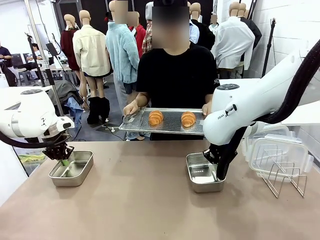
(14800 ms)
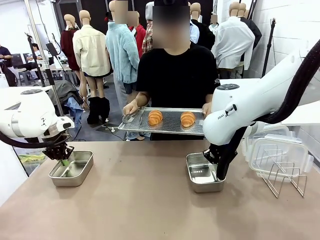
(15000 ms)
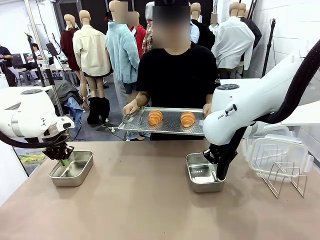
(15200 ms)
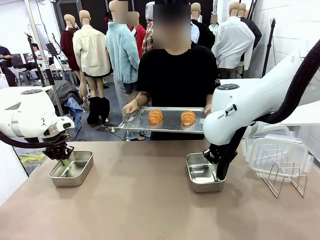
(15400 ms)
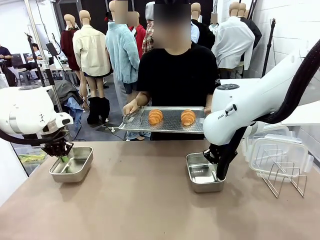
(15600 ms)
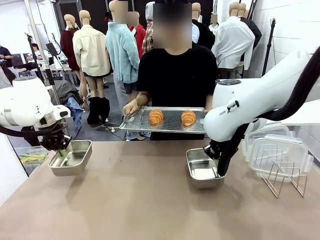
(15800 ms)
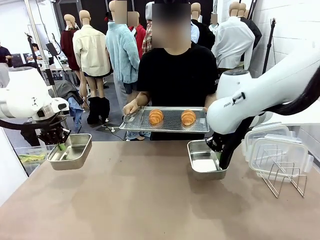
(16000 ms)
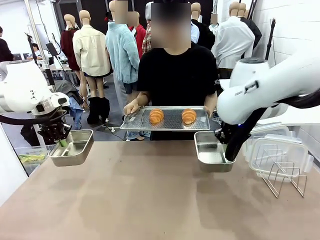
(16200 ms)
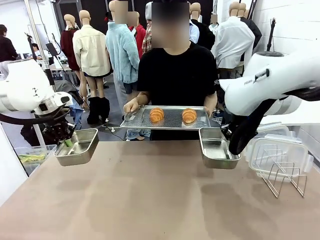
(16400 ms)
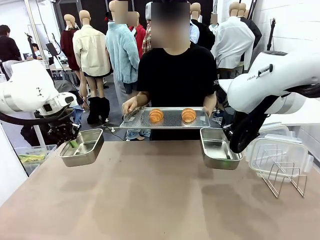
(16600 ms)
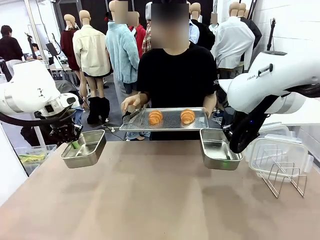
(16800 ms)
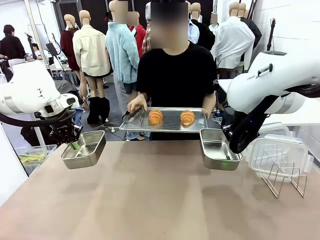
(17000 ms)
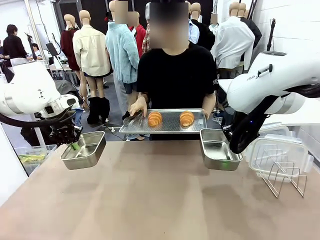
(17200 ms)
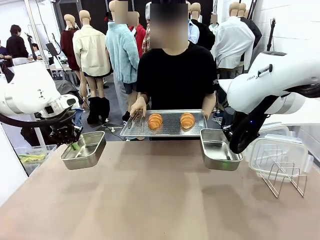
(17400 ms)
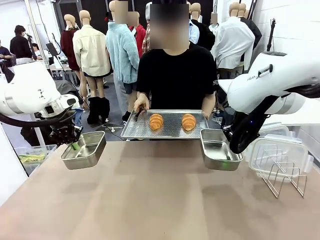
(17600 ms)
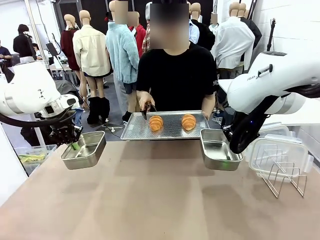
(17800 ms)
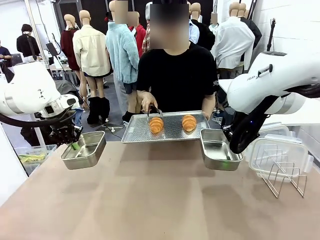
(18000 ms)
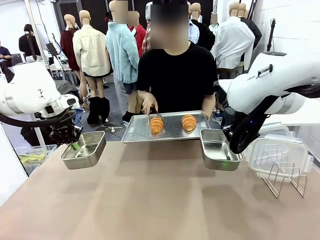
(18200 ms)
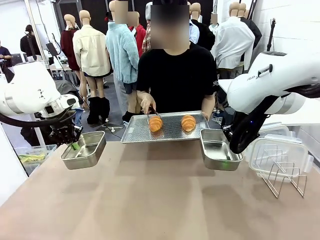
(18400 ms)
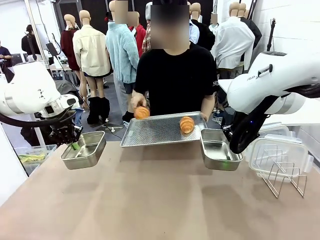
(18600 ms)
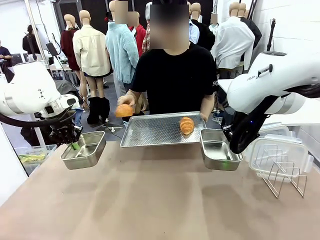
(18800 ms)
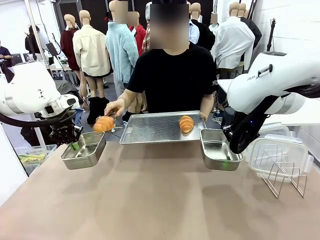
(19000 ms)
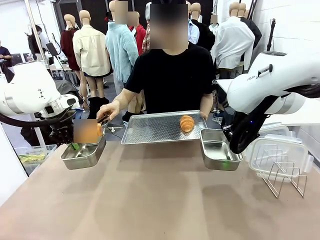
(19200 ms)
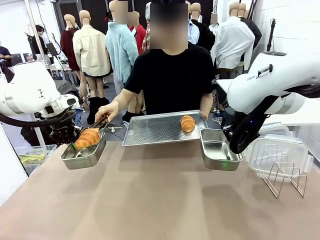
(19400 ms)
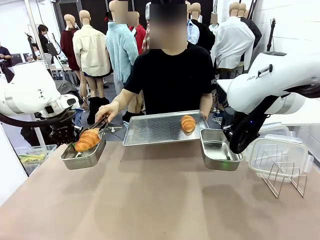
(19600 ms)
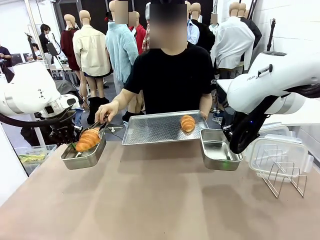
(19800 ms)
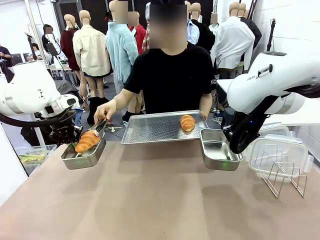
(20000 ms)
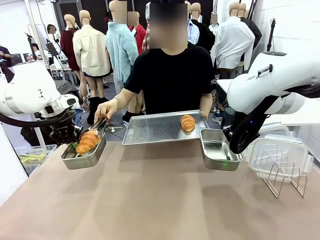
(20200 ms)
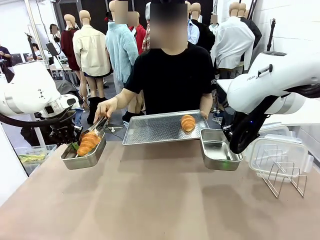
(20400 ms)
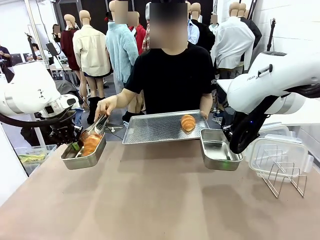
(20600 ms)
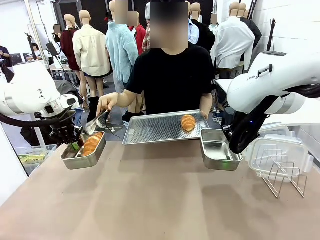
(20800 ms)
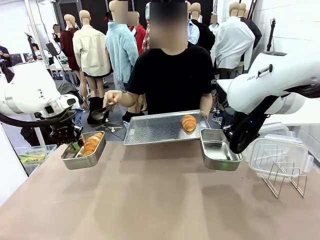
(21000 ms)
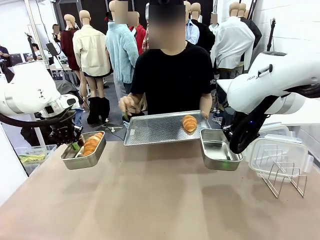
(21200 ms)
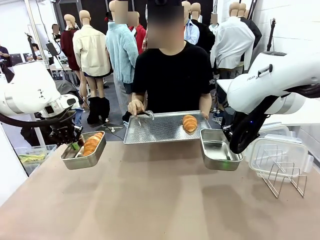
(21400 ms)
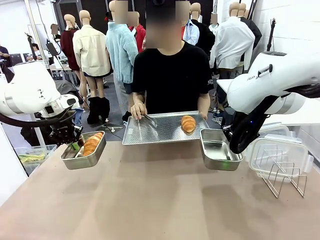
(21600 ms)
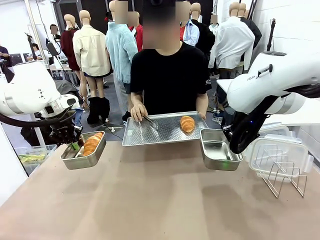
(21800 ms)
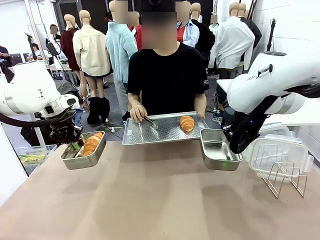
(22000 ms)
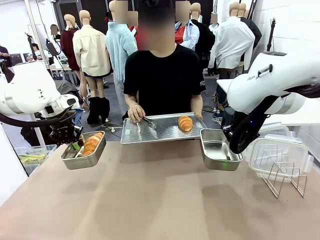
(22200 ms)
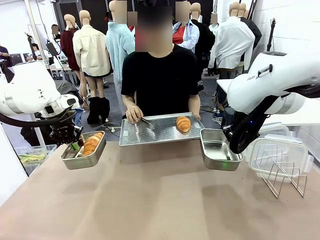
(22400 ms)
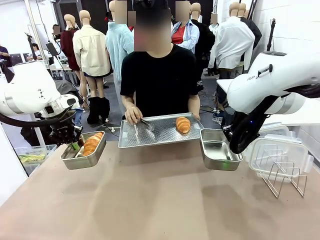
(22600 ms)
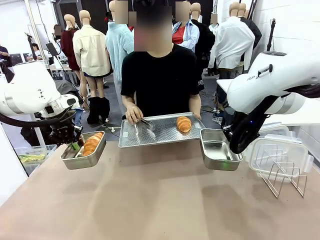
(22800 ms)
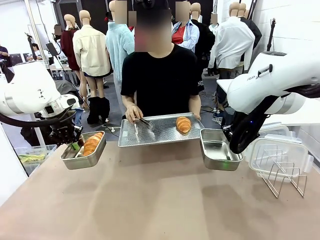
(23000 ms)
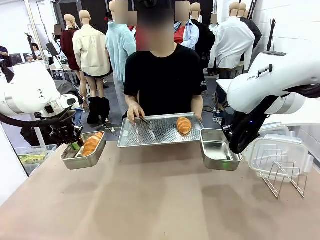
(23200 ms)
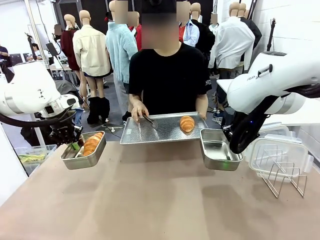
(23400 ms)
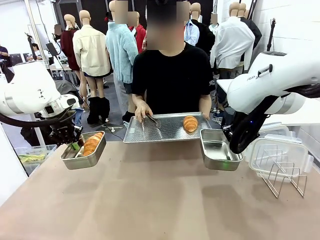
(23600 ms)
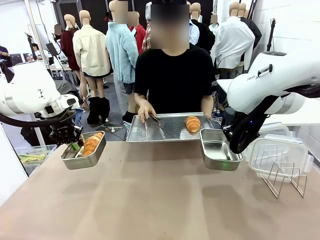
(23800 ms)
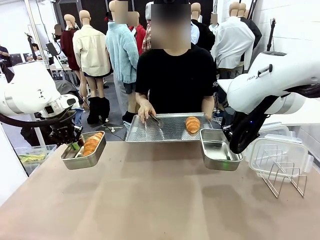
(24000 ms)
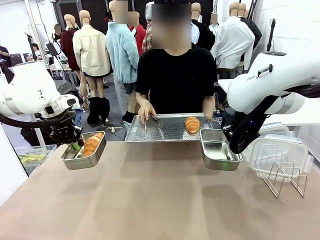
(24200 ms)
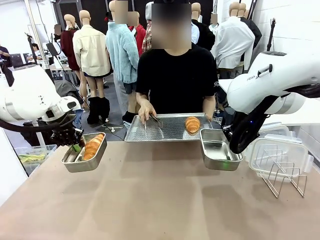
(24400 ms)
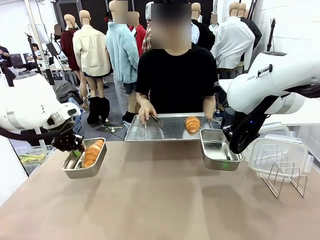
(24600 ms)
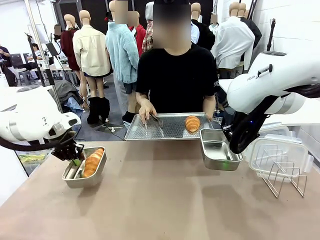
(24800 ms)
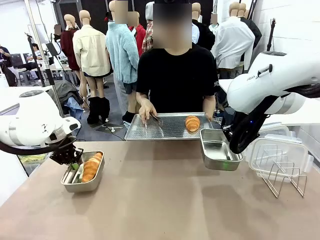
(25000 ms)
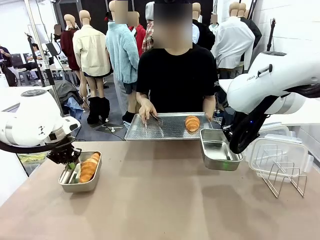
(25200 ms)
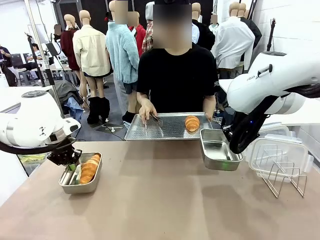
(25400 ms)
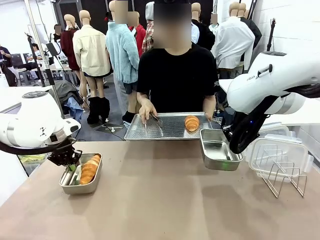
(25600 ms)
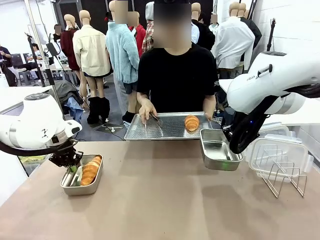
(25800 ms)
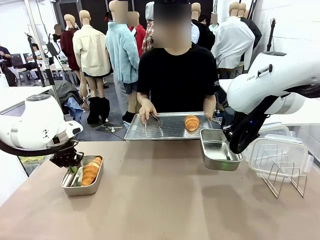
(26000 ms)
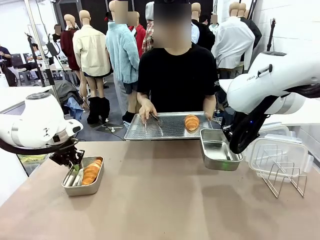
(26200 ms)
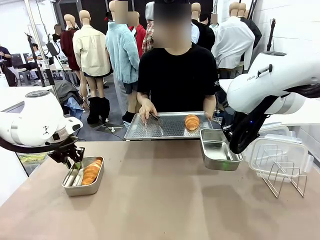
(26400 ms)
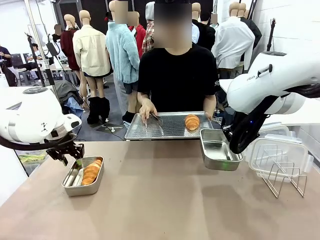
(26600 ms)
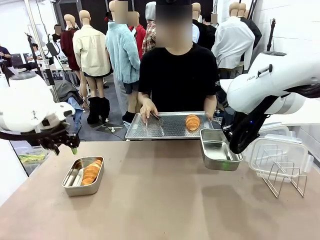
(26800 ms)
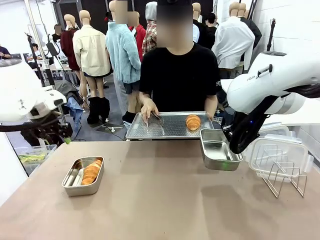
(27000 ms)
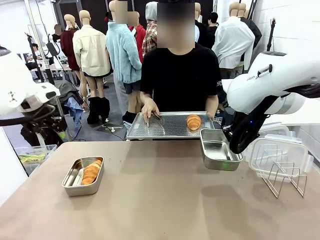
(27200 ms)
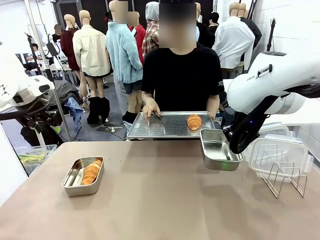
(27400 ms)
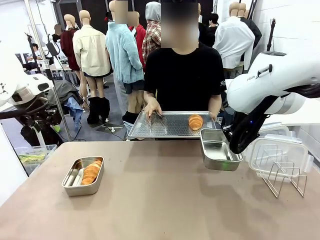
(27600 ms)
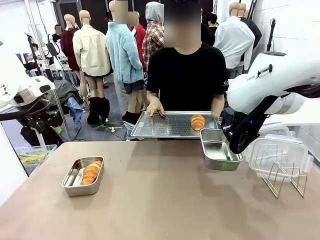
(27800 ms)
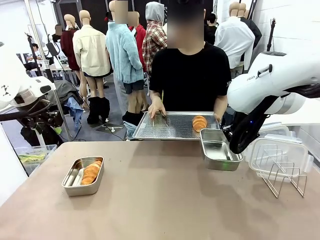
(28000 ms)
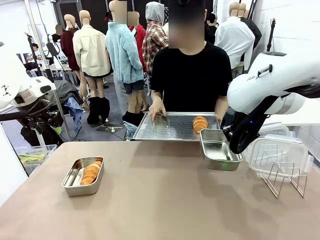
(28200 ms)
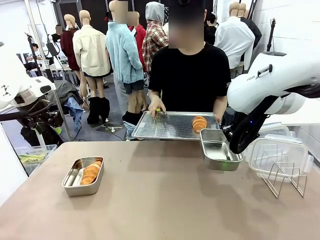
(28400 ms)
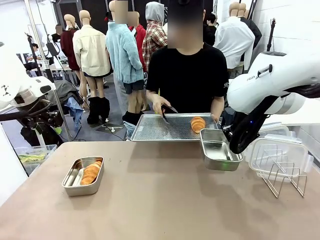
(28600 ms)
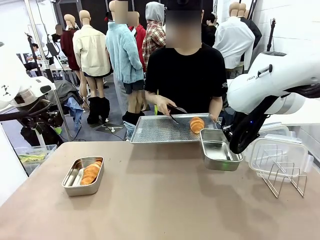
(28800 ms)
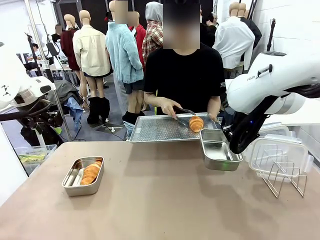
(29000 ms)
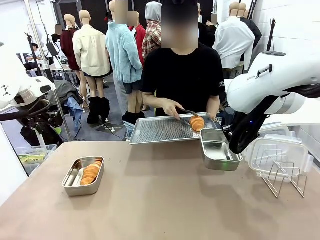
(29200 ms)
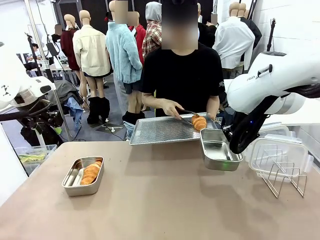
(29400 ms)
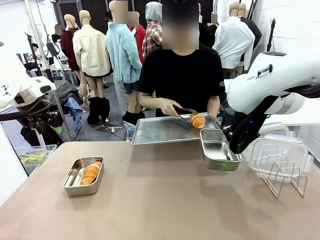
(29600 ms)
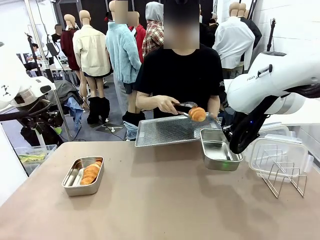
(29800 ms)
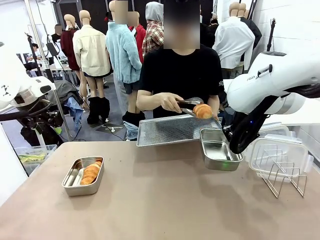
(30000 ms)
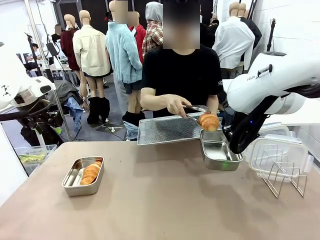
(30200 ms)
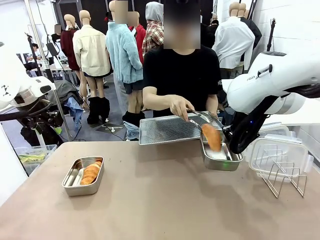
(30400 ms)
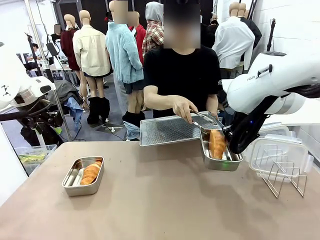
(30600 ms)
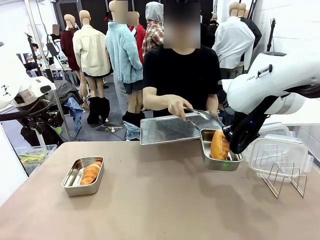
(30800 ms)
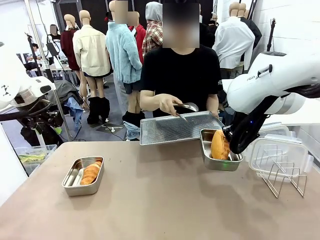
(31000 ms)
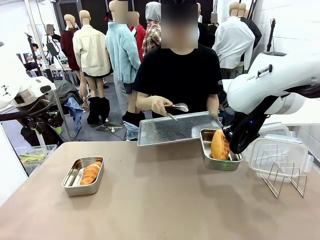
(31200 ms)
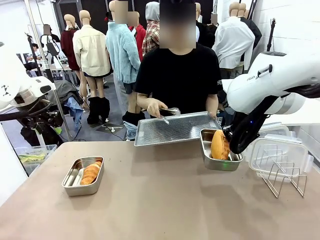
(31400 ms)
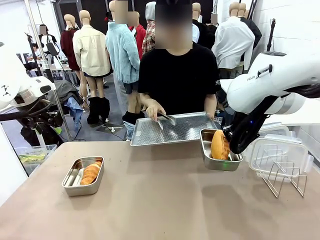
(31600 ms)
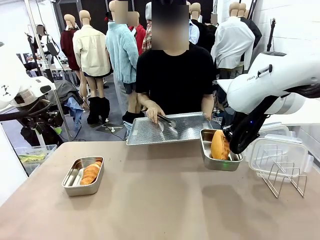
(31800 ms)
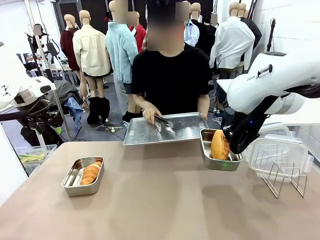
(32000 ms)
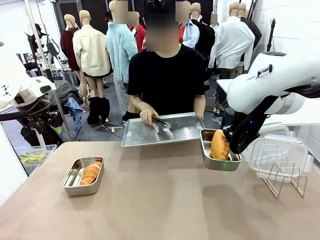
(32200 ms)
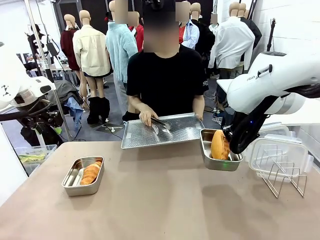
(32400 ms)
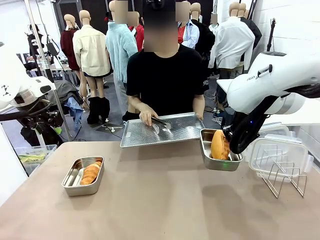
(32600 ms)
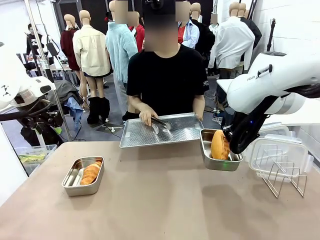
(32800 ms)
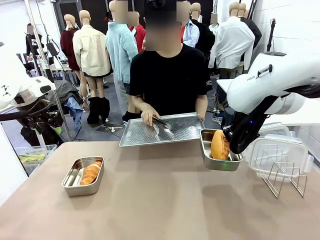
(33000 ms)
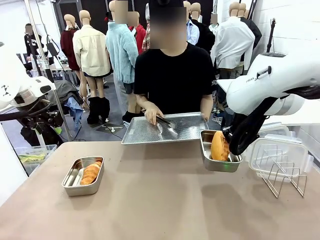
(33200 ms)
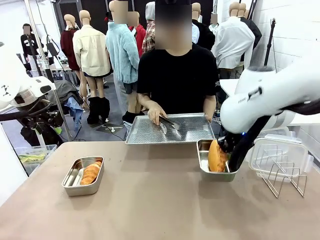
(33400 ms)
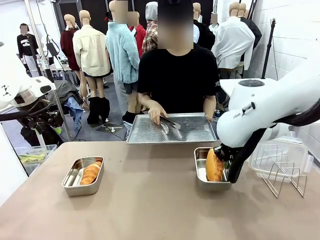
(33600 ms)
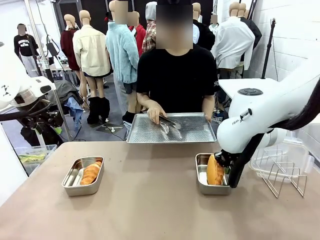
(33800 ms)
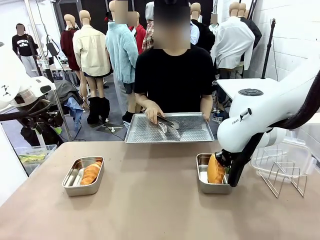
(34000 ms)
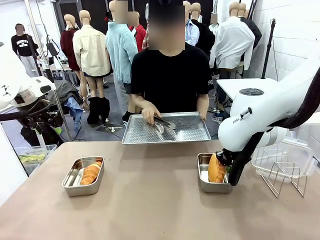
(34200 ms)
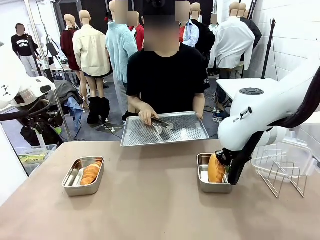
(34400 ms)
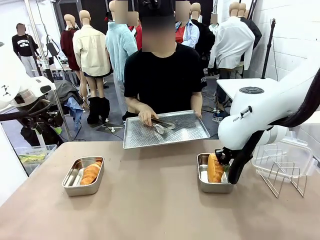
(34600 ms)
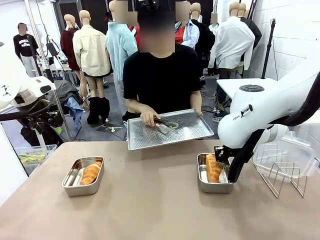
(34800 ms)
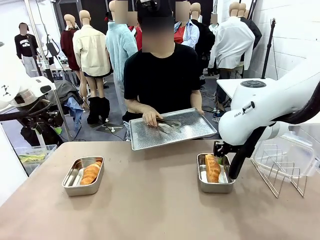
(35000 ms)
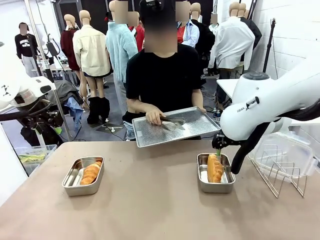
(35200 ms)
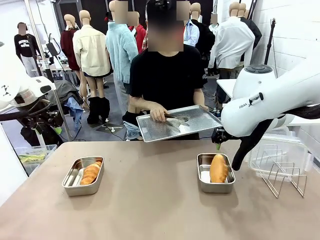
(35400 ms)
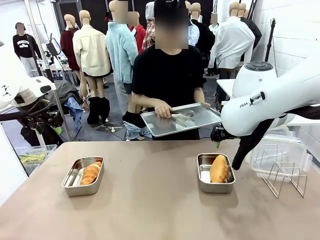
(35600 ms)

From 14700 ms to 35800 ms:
Task: Place the bread in airtight containers.
Robot: Once an object is inside an Airtight Container , place the container in the center of the table.
Person: Use the Stainless steel tongs to place one object from Baking Sheet into one Airtight Container.
